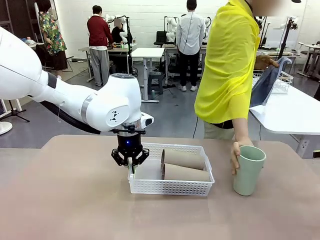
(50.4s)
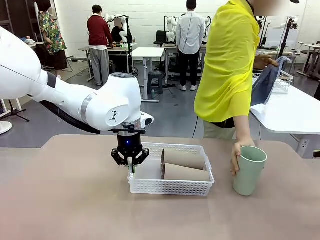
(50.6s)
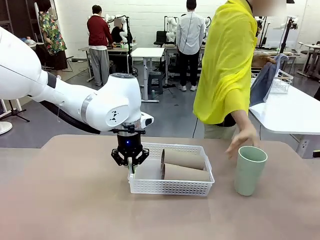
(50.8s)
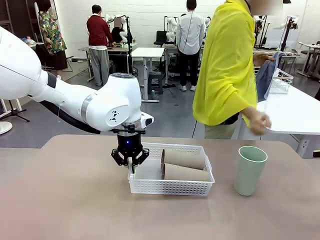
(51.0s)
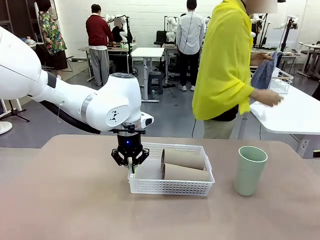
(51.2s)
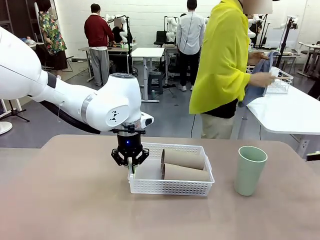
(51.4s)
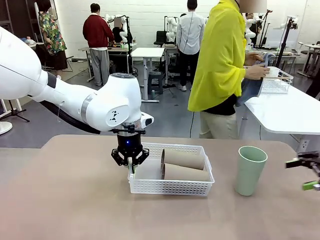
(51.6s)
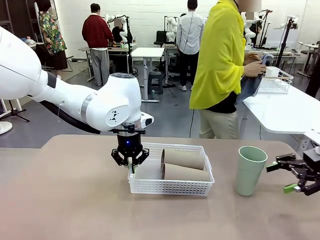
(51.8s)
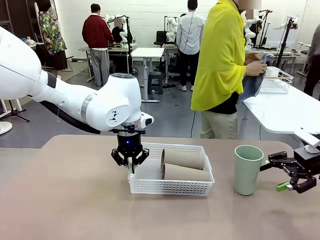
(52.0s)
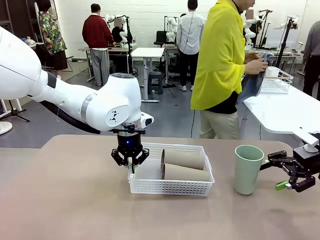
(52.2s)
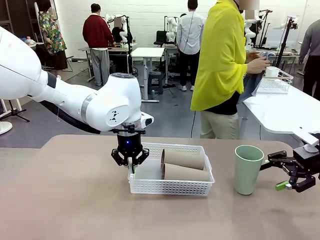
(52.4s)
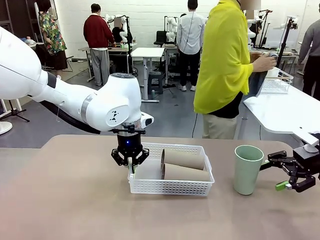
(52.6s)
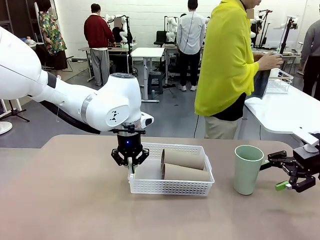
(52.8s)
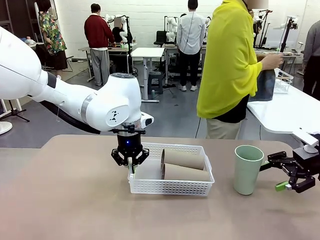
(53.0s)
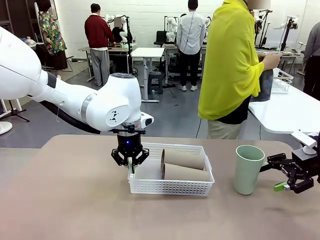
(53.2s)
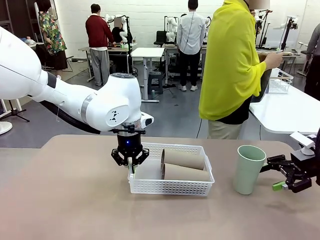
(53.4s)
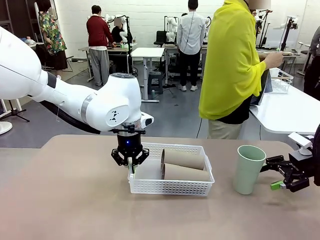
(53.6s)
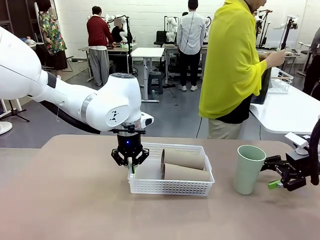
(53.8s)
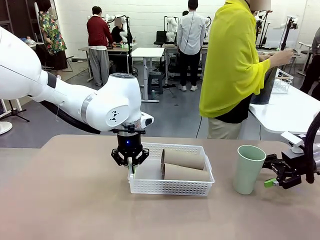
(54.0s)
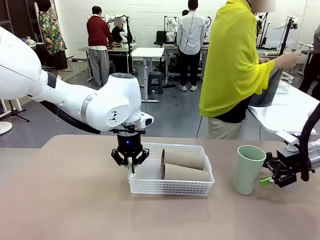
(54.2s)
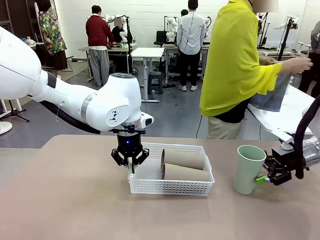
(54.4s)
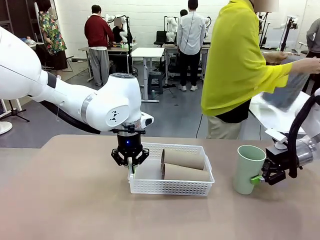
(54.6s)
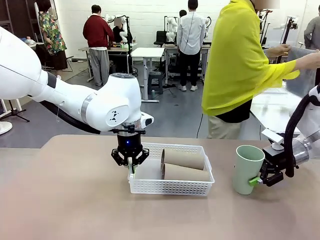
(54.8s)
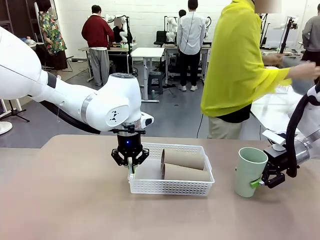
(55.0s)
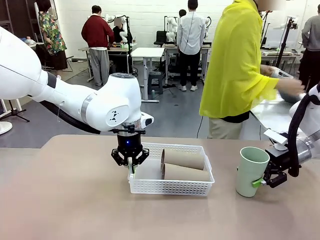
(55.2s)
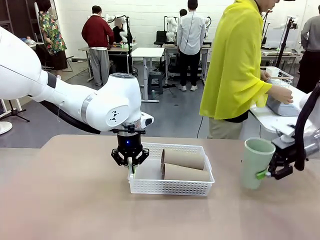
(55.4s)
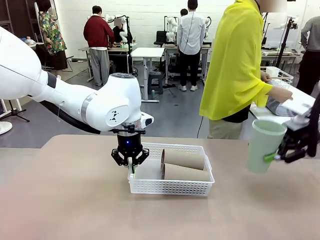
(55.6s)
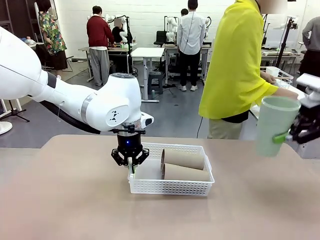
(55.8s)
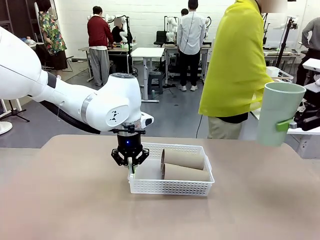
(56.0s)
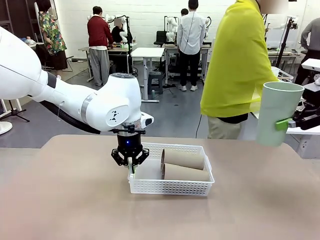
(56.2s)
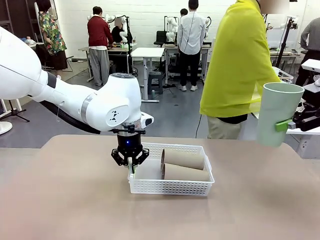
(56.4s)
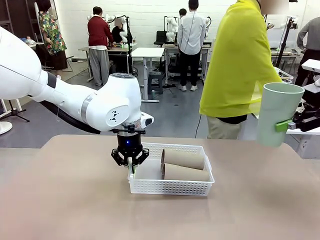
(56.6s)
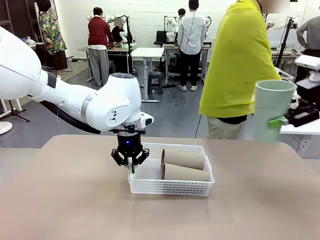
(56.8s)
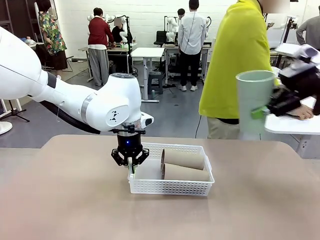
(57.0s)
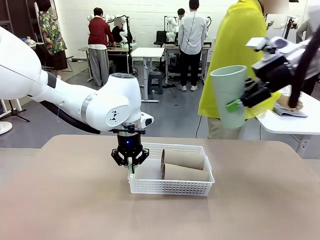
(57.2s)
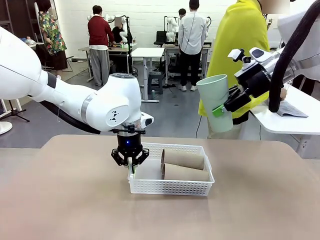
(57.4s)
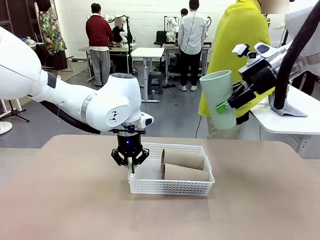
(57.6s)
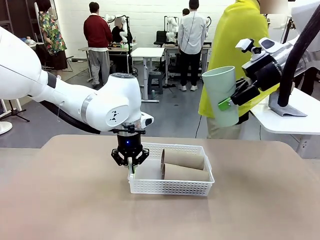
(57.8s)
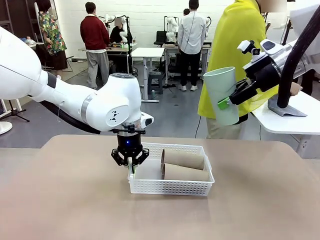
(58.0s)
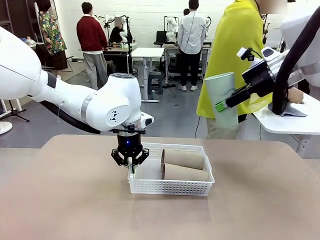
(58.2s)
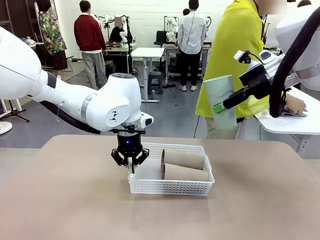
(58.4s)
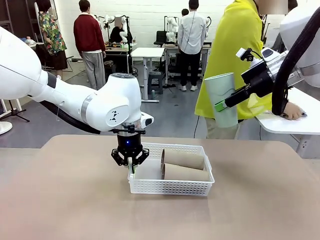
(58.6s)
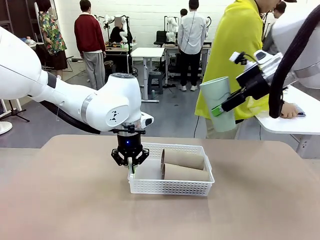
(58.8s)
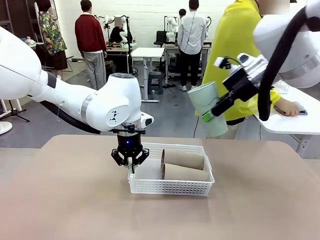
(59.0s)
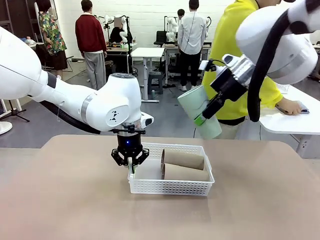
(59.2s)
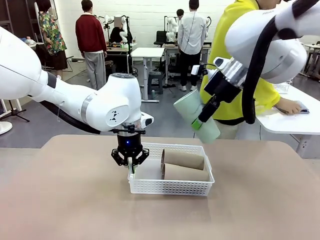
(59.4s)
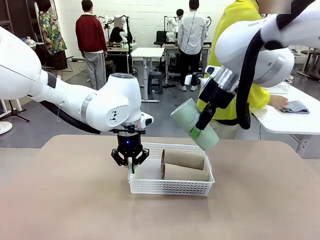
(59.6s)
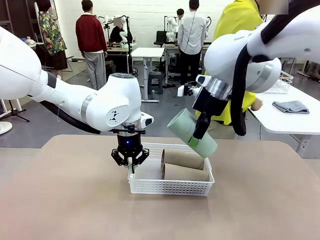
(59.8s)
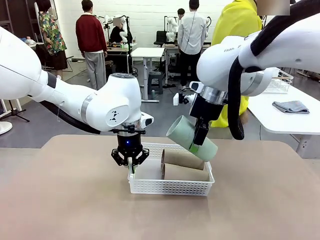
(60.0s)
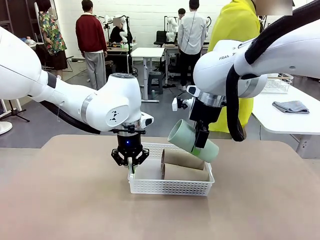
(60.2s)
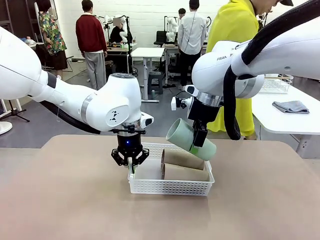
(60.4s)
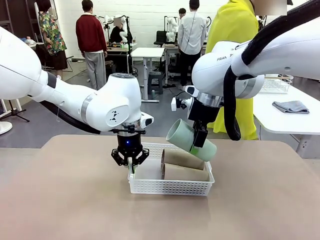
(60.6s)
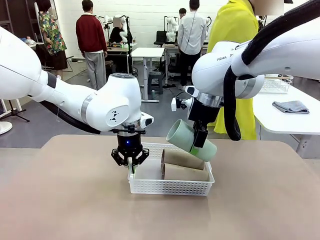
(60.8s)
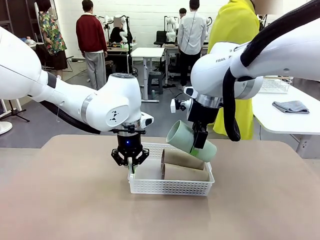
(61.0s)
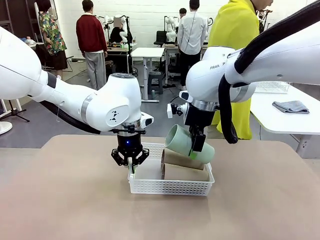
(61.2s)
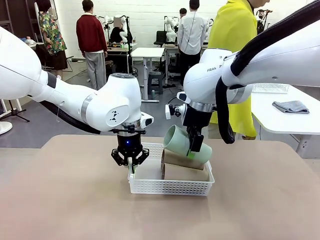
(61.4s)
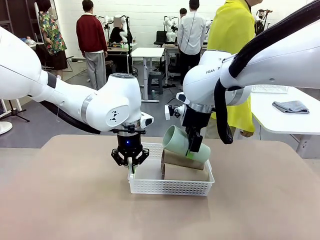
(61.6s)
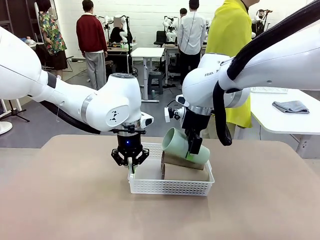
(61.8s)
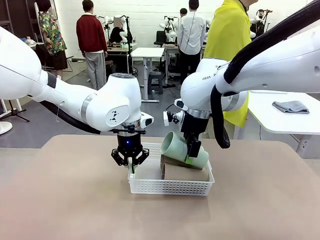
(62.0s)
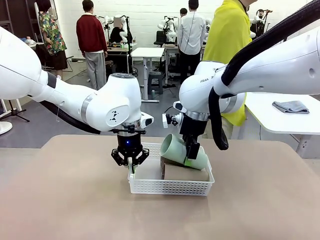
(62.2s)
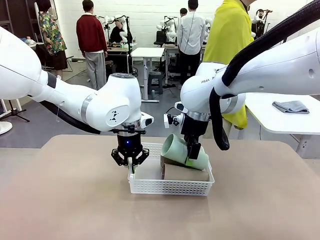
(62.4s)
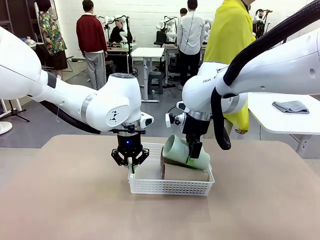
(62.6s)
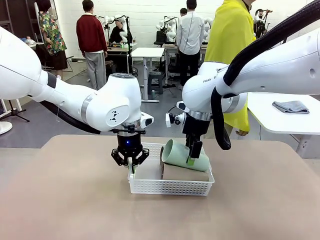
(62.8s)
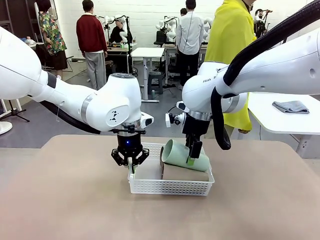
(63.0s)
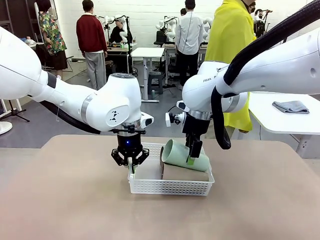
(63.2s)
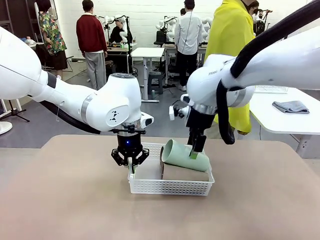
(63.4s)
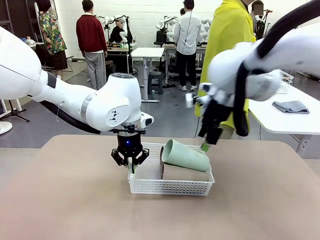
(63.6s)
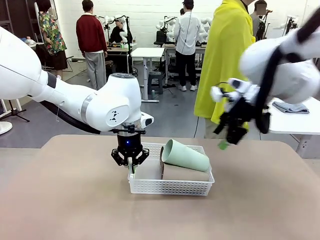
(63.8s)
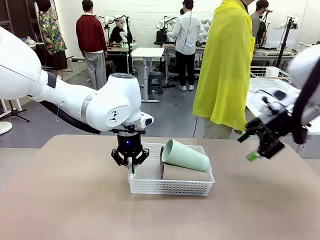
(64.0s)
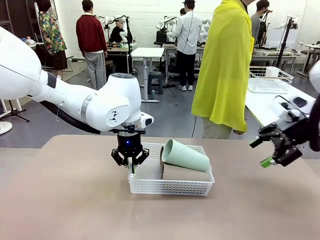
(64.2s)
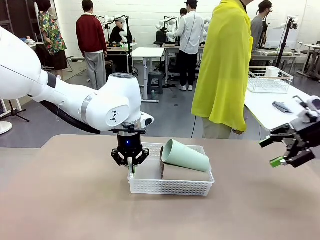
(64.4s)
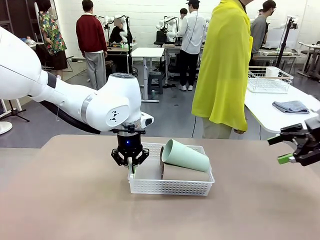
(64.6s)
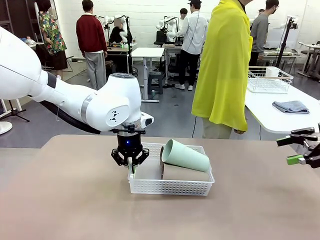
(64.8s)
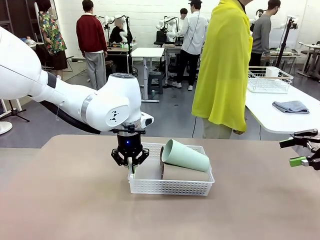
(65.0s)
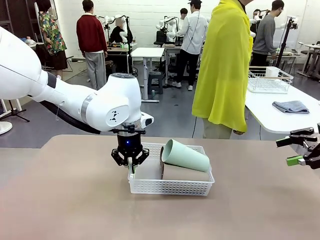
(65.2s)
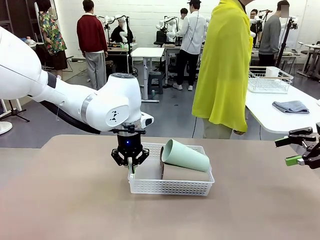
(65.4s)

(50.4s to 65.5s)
Task: Clean and organize the cups into the basket.
Robot: Pick up the Reusable plastic cup from the right side of the table and stack it inside the Organizing basket in the center of the table.
Person: Folds the towel in half twice and places it in the right of the table.

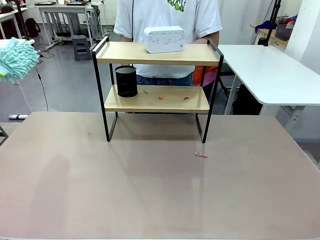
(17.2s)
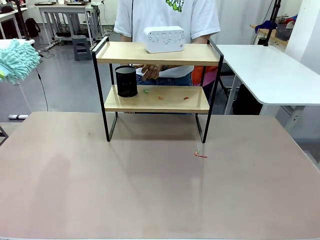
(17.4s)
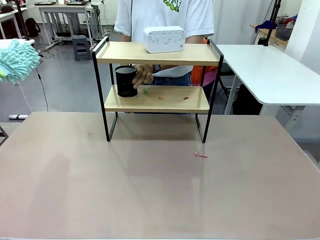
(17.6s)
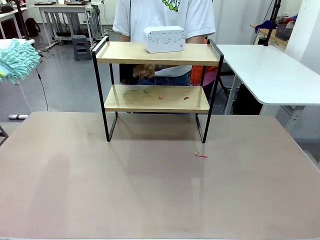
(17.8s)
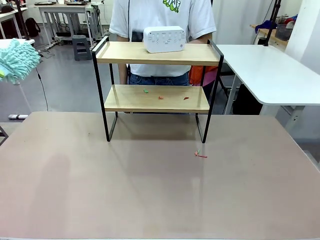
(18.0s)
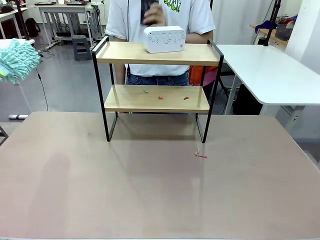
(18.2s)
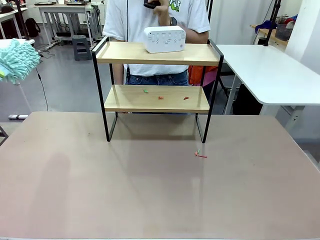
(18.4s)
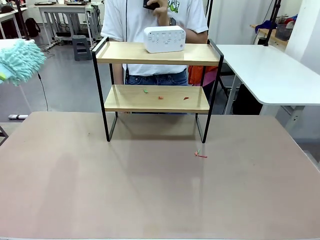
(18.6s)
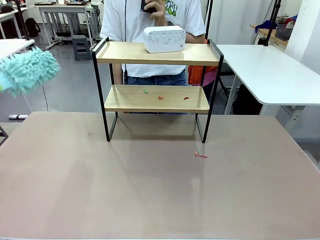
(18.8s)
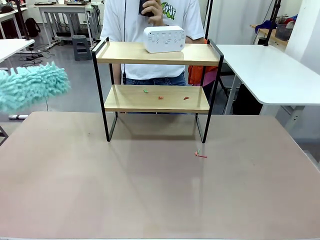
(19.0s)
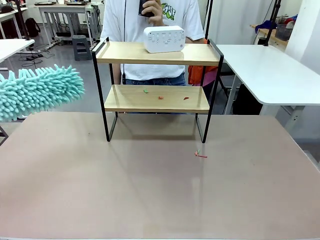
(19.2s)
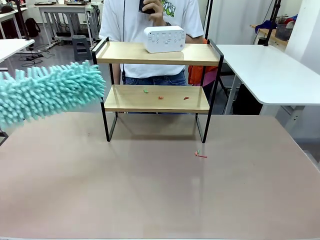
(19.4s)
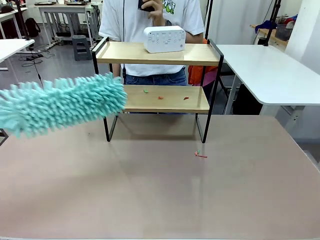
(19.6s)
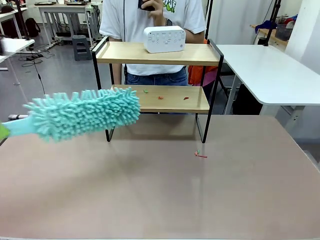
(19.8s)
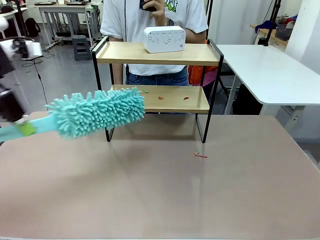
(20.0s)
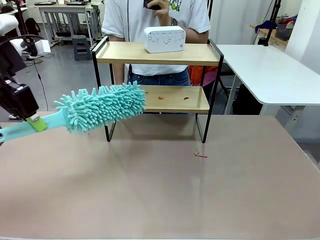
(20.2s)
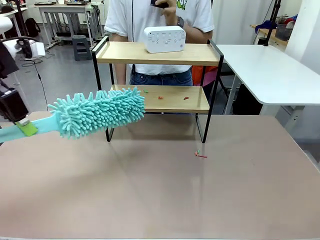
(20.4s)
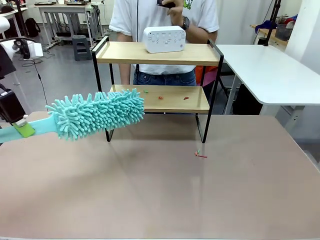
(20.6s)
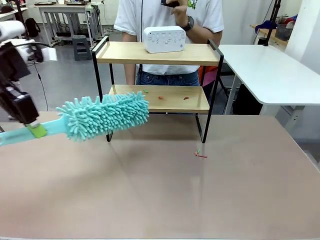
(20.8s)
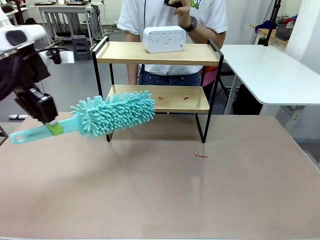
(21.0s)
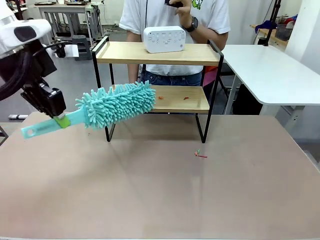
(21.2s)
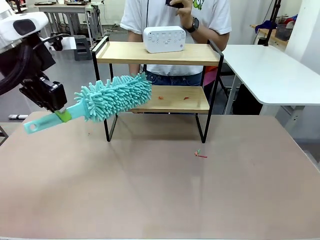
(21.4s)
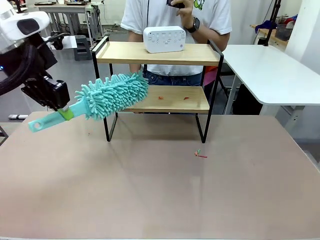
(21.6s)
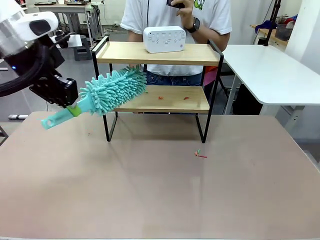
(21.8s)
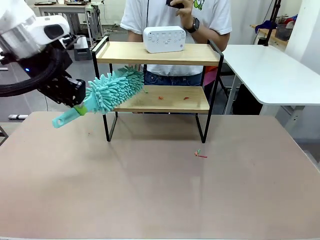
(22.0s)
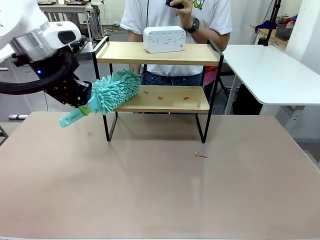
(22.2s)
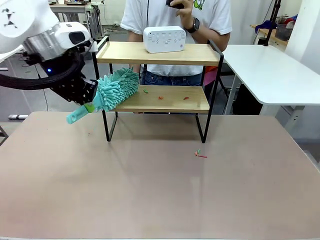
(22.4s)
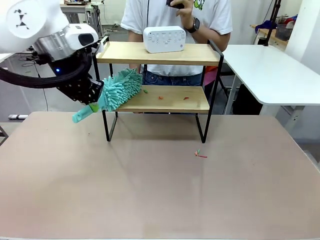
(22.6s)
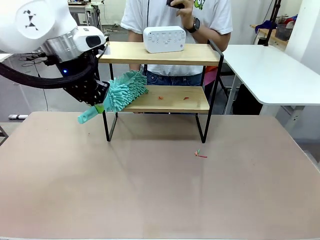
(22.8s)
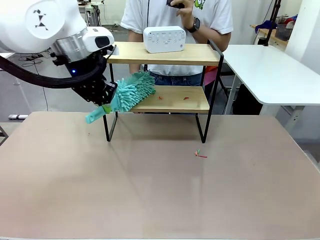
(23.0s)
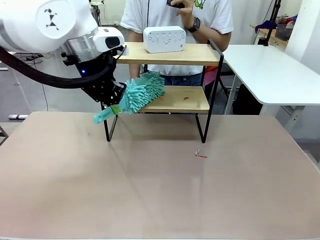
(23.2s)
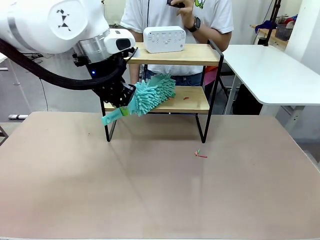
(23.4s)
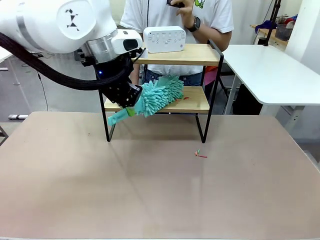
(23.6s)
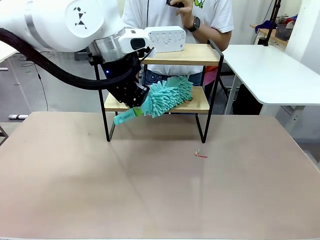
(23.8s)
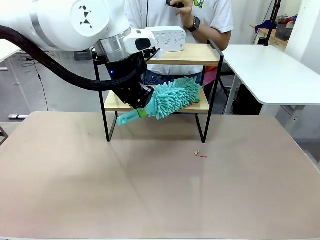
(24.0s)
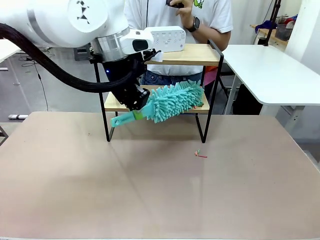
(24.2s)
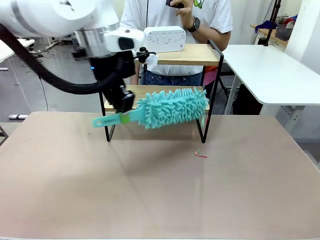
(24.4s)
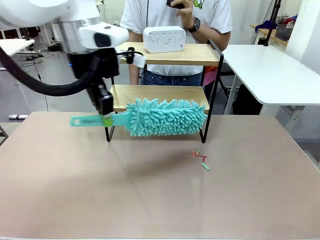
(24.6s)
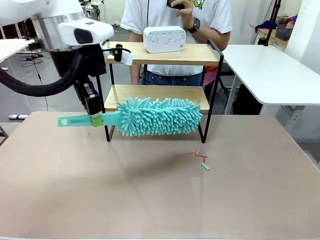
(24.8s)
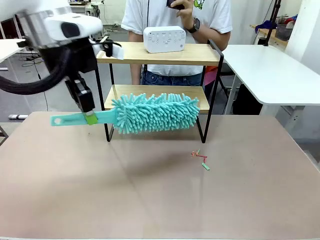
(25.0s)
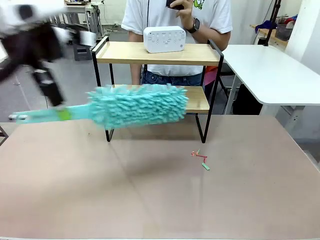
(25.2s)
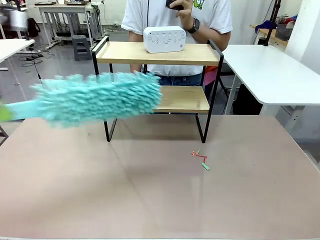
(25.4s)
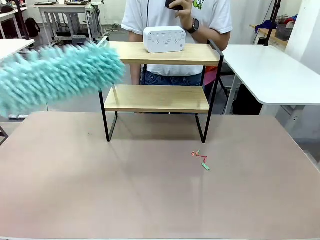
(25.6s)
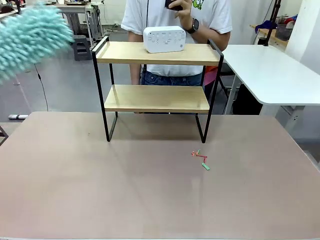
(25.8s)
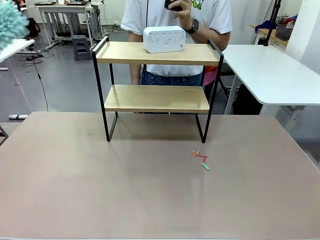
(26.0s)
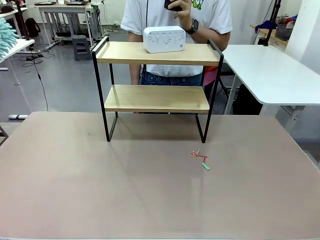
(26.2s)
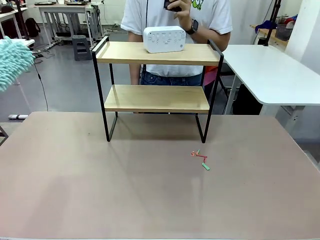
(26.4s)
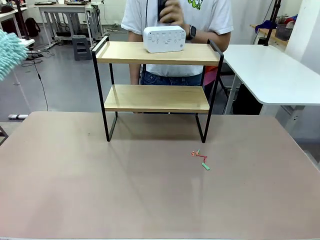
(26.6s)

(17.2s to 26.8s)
Task: Clean the shelf.
Robot: Clean the remaining tier of the Shelf with the Duster once objects are removed.
